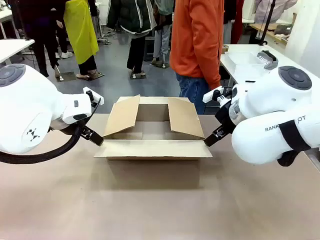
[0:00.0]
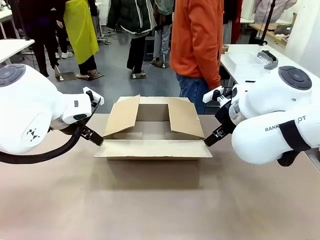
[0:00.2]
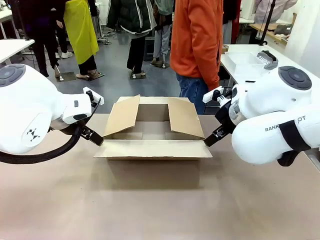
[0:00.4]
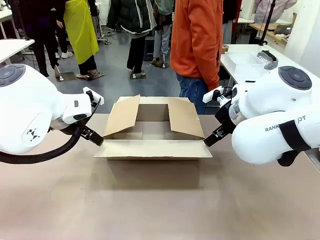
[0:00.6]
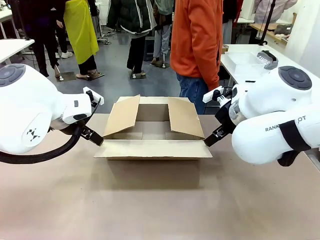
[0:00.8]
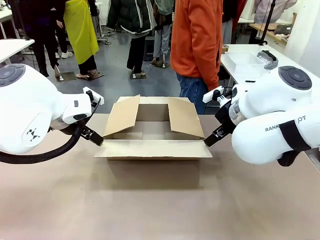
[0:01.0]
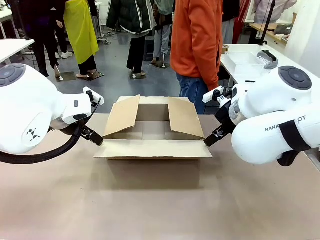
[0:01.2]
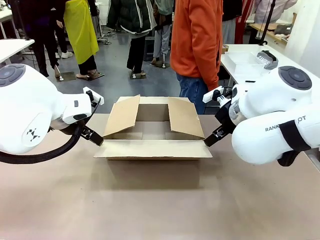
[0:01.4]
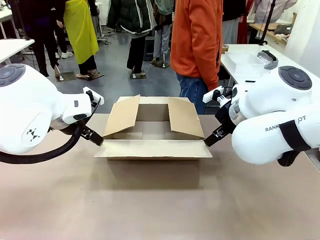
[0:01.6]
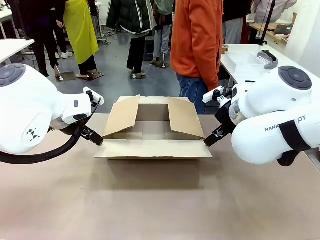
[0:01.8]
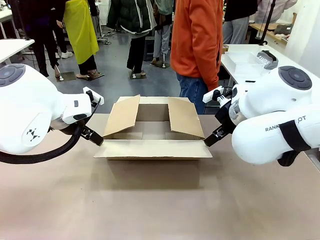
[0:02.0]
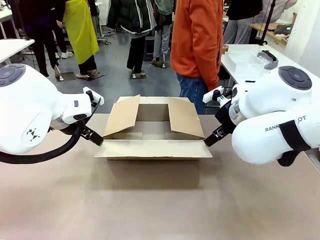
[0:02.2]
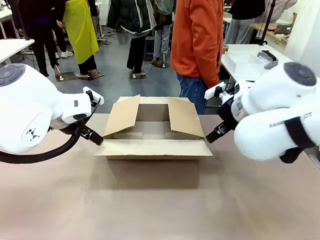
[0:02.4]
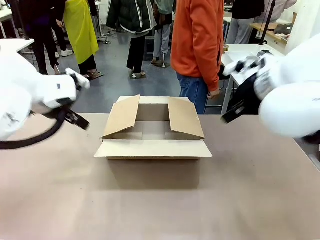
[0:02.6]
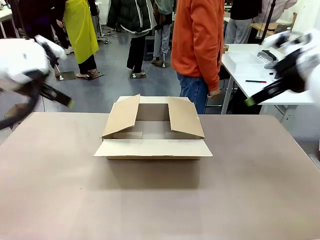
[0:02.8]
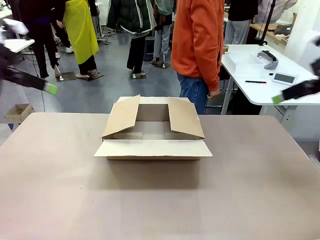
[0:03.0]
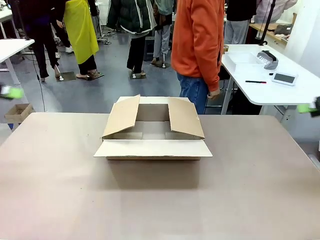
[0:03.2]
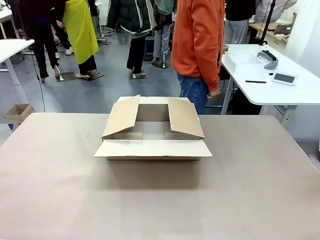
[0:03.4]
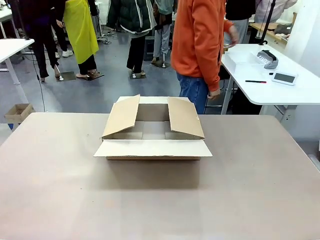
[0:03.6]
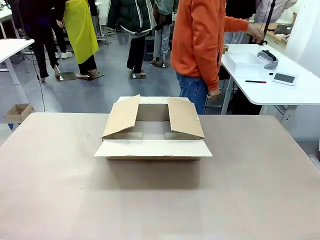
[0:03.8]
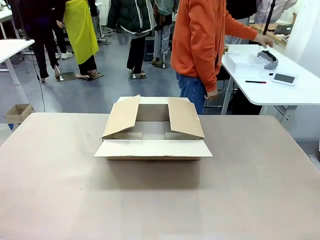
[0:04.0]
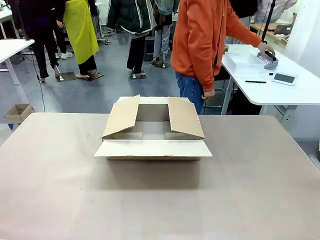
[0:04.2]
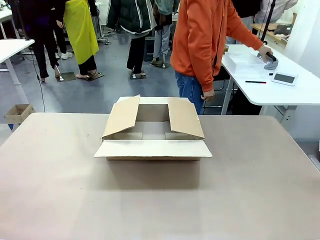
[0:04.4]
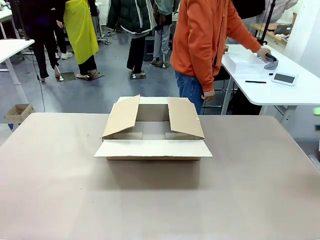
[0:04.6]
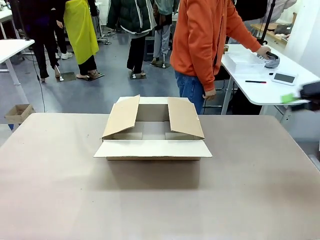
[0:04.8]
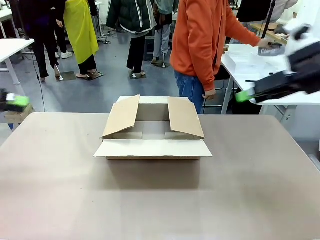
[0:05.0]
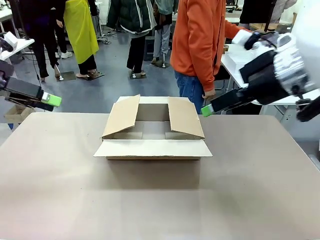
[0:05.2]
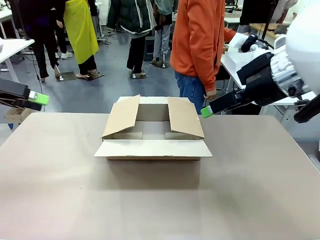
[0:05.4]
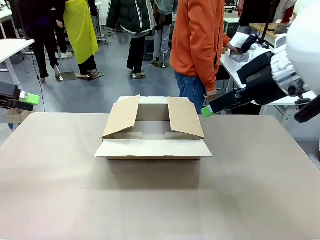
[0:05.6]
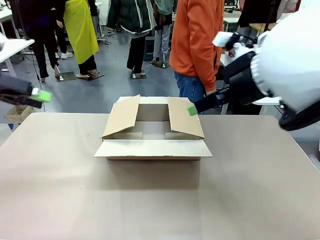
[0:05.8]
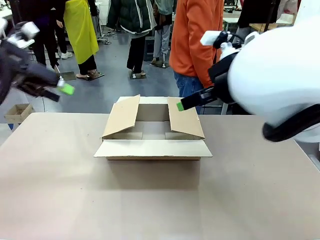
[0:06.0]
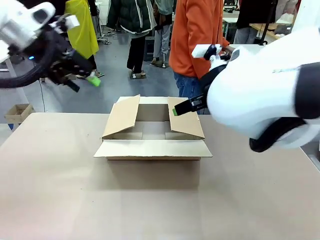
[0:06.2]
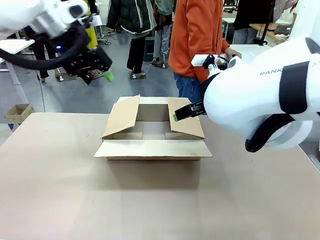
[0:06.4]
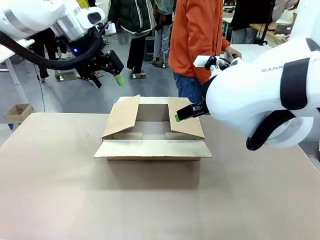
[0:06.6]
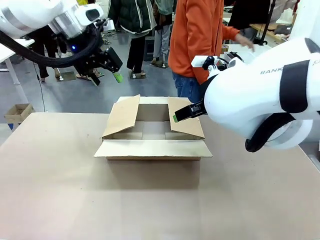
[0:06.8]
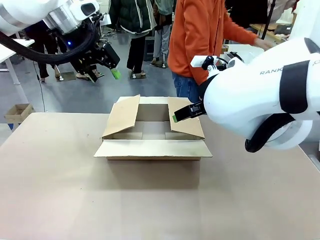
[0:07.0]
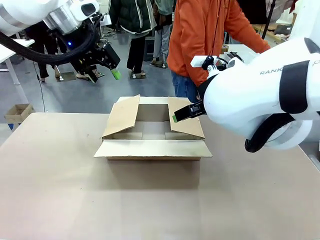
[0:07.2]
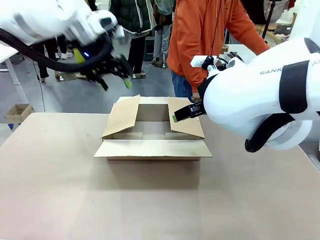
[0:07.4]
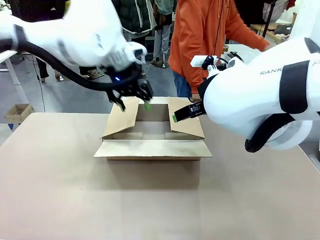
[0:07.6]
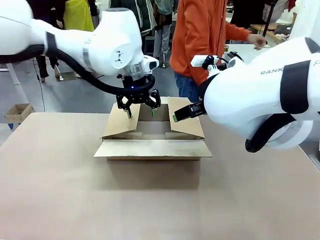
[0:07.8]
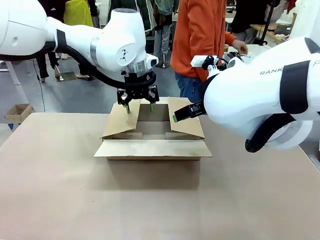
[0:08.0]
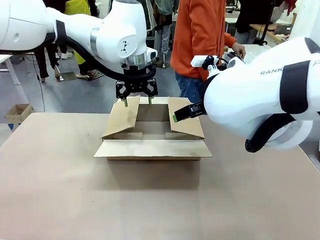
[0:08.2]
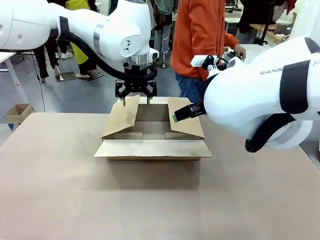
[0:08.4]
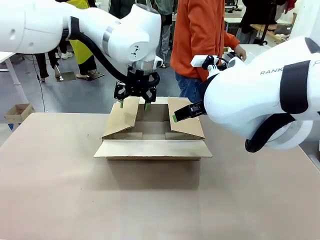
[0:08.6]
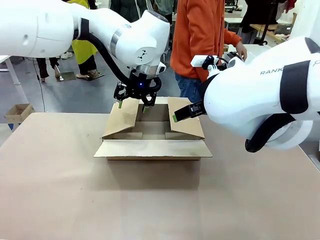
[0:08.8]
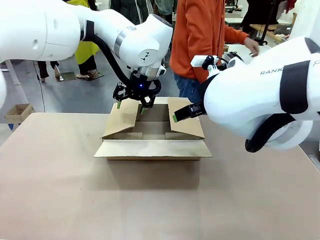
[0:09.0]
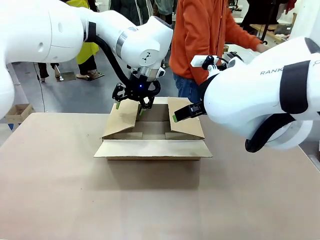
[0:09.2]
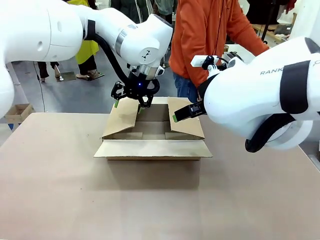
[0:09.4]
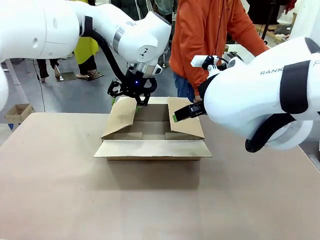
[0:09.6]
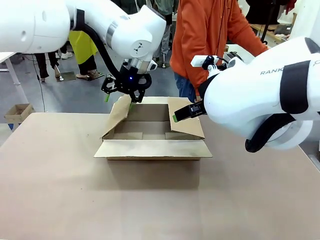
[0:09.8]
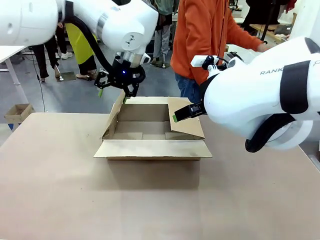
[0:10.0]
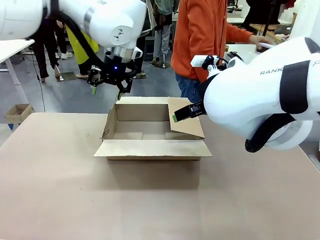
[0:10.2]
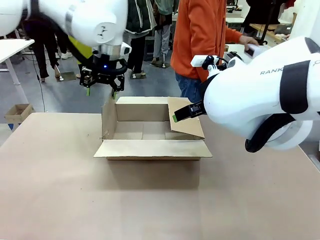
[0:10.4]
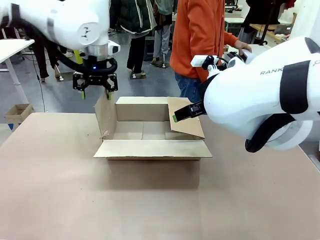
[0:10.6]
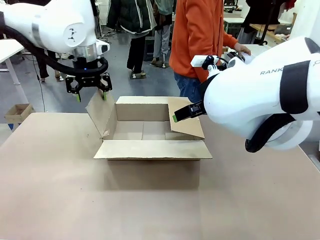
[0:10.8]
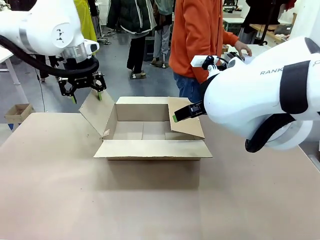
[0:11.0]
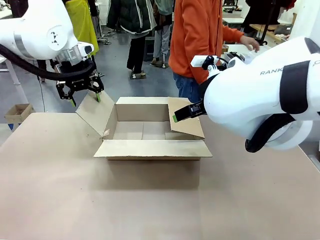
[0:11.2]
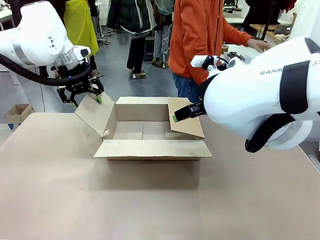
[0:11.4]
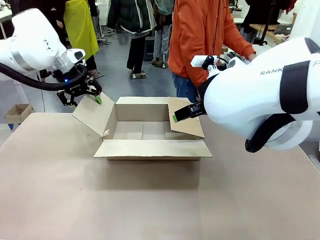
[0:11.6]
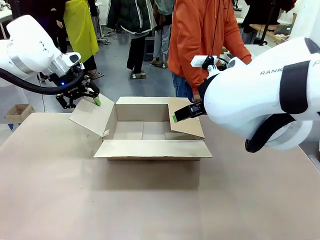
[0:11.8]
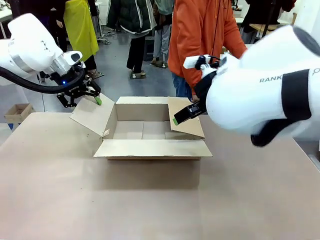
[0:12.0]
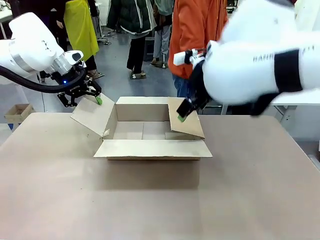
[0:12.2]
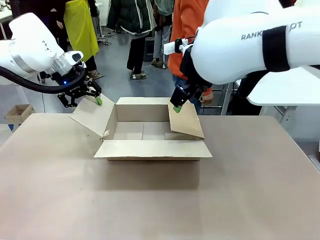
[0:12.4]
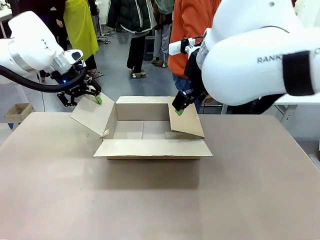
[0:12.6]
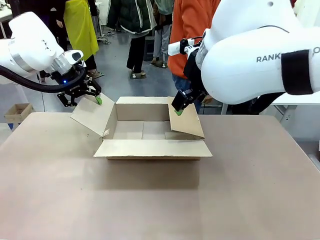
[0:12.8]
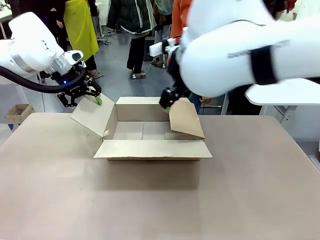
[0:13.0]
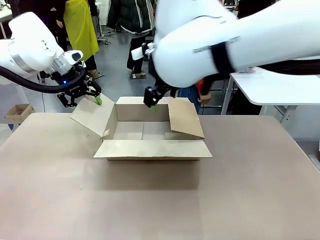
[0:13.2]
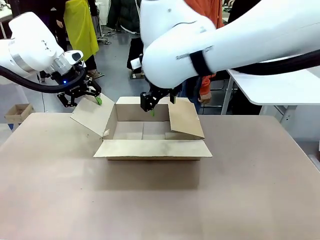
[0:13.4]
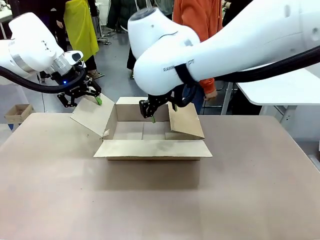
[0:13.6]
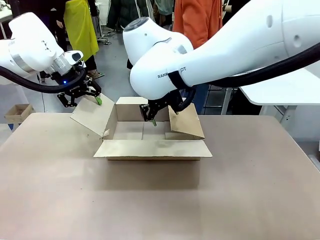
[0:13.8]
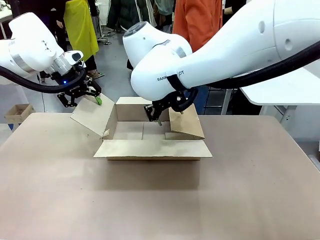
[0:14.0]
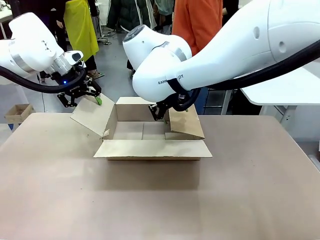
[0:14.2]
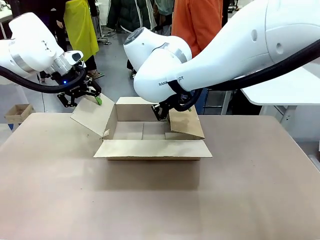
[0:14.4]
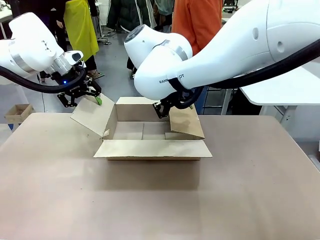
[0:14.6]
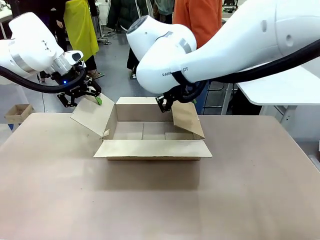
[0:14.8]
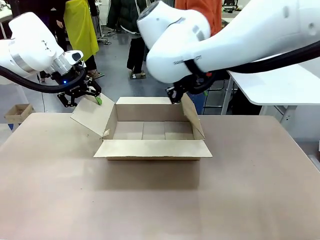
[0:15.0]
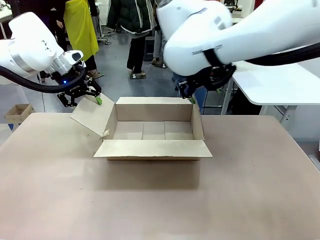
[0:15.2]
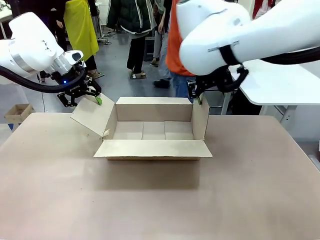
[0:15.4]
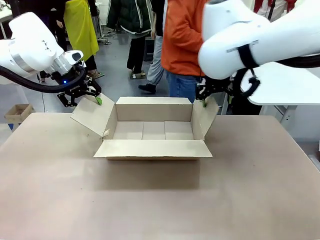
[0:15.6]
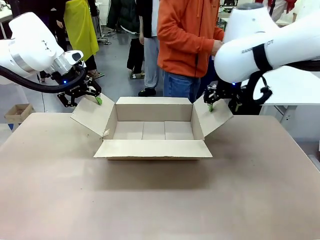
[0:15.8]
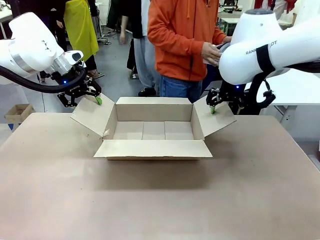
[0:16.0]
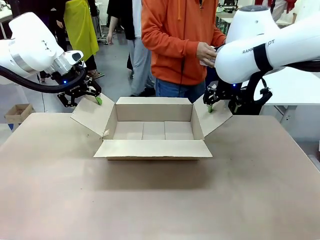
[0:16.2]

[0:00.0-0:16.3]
Task: Pack the gift set into the box.
Robot: Place both hands on the side flaps of the Package Box and spread them outward.
Person: The human places all items except the paper tape into the organizing basket.

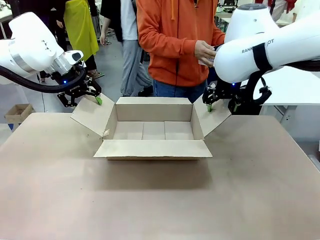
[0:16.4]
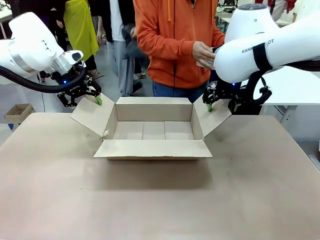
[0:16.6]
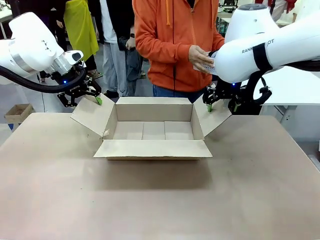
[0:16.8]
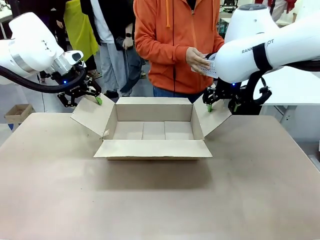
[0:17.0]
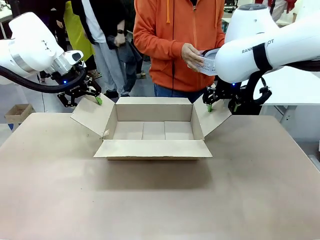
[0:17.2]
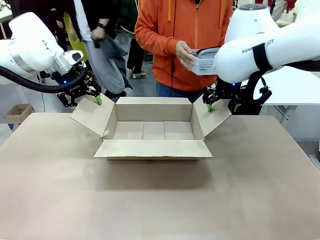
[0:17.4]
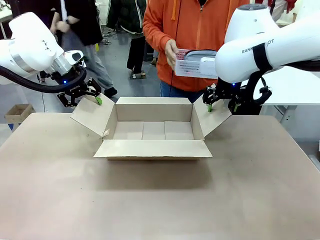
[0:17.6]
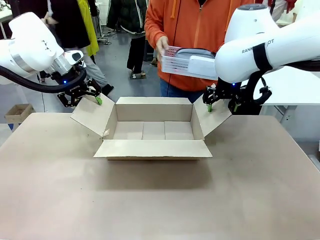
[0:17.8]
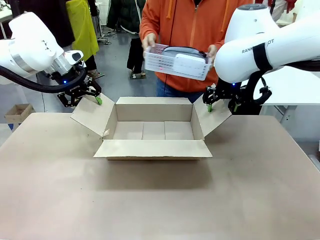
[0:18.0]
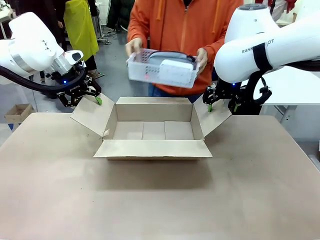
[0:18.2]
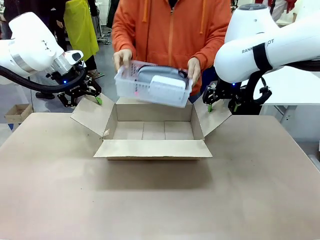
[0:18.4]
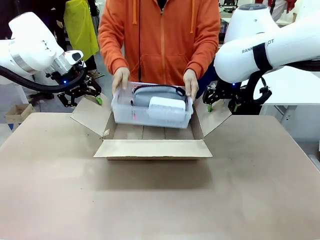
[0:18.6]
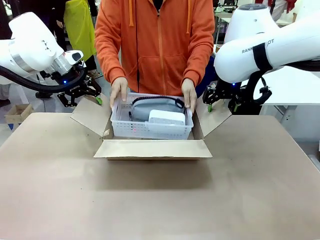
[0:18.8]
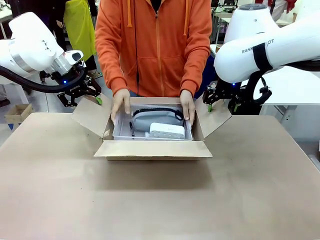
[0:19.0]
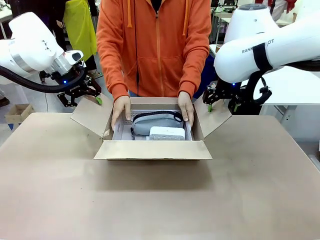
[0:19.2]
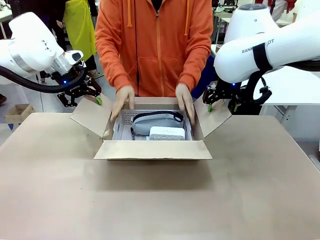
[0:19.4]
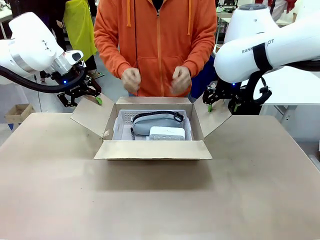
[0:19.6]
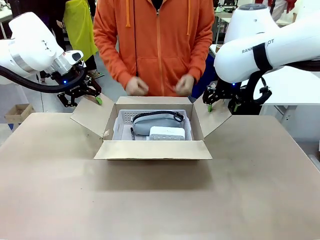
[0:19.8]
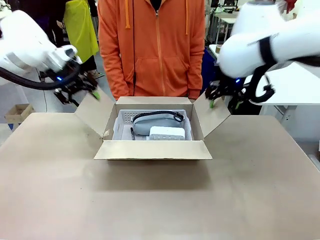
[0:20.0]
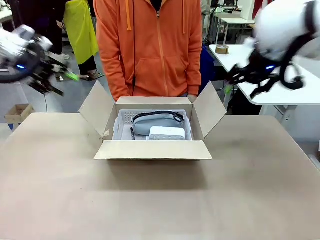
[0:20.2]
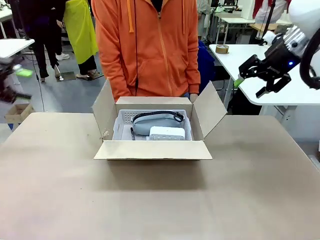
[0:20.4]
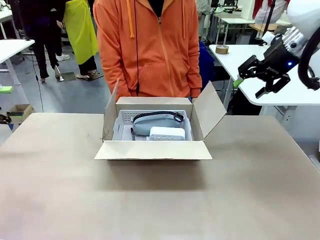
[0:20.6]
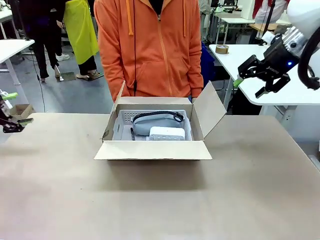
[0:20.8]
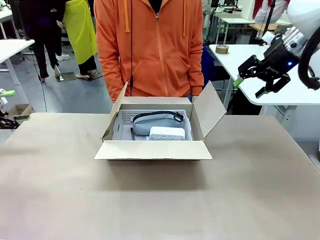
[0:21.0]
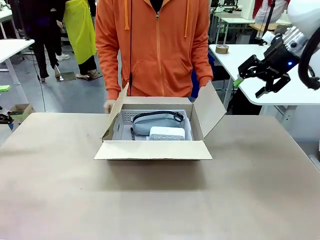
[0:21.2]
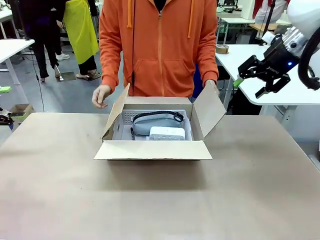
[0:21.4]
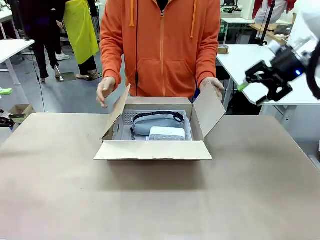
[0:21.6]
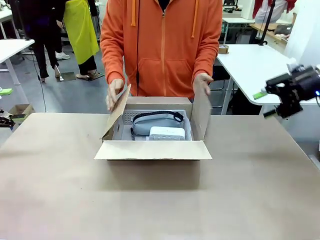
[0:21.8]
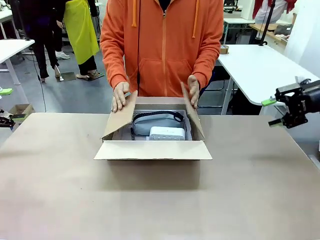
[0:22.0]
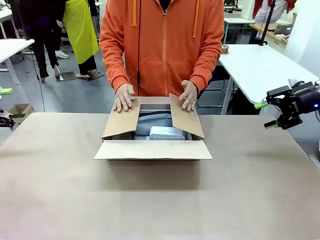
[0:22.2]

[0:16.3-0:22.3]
Robot: Lift both hands away from the flaps of the Package Box.
Person: The human picks up the organizing basket and places the organizing basket into the package box on the robot table.
